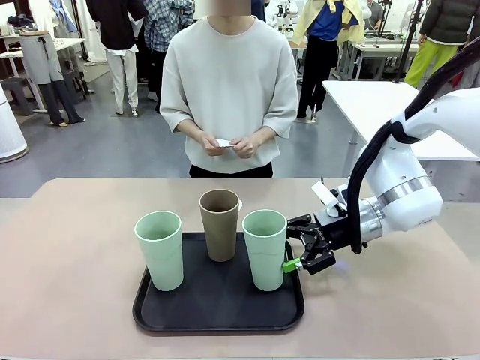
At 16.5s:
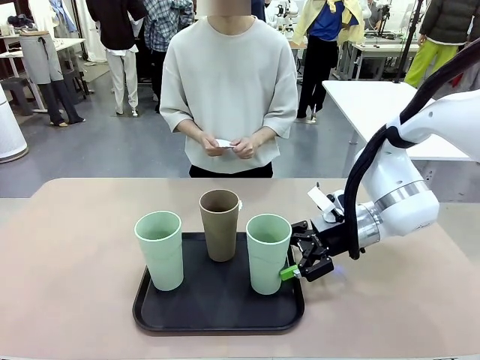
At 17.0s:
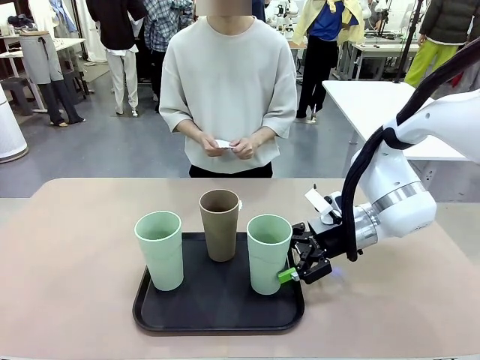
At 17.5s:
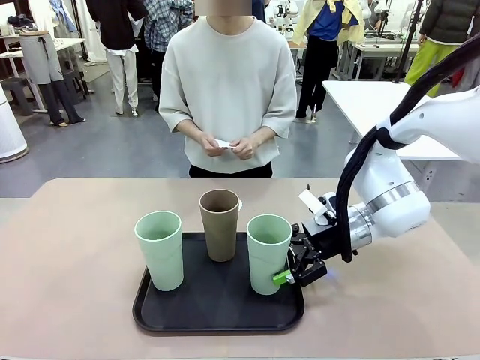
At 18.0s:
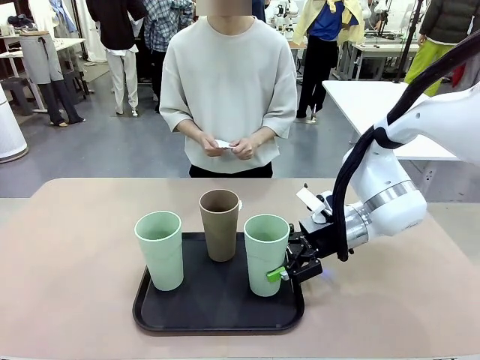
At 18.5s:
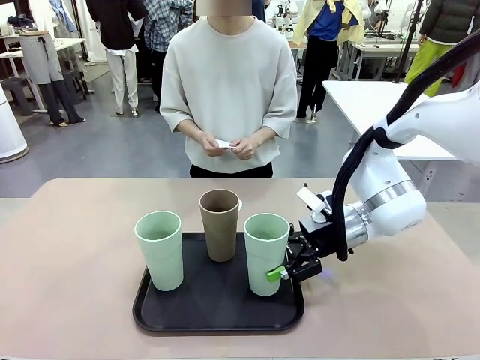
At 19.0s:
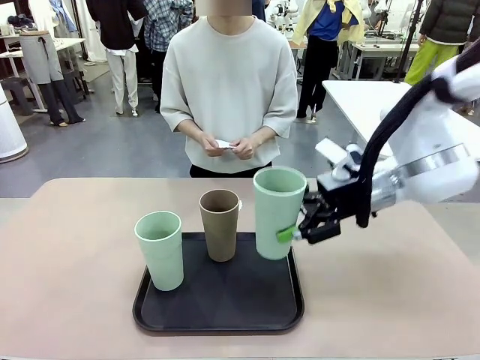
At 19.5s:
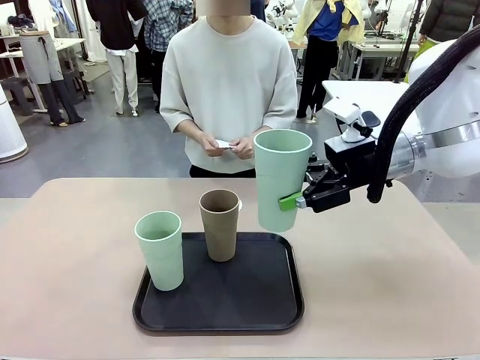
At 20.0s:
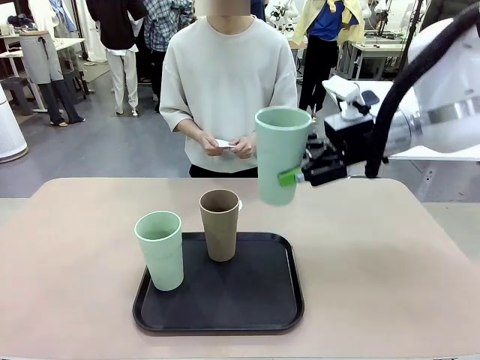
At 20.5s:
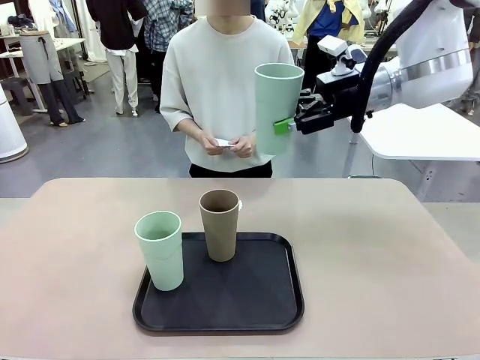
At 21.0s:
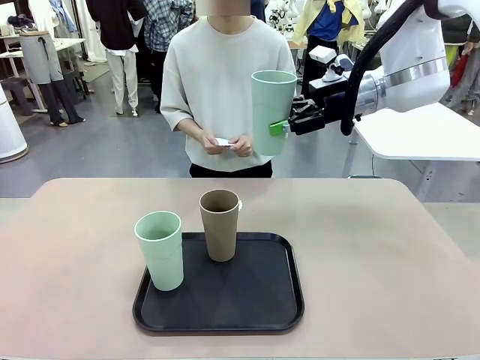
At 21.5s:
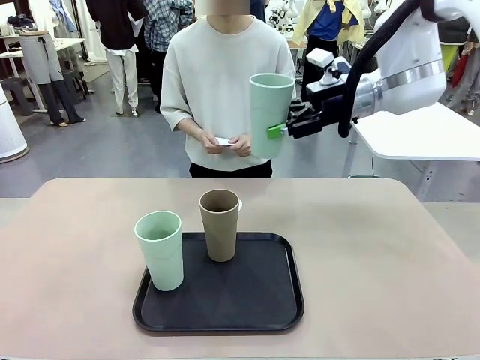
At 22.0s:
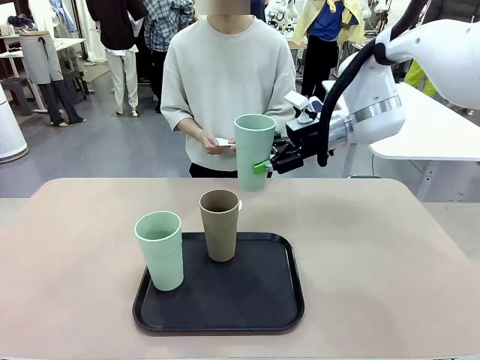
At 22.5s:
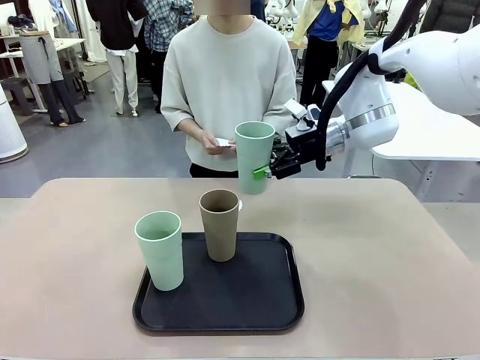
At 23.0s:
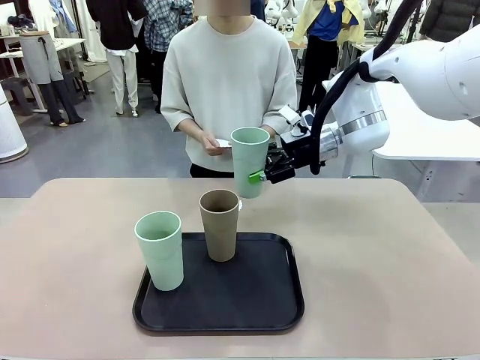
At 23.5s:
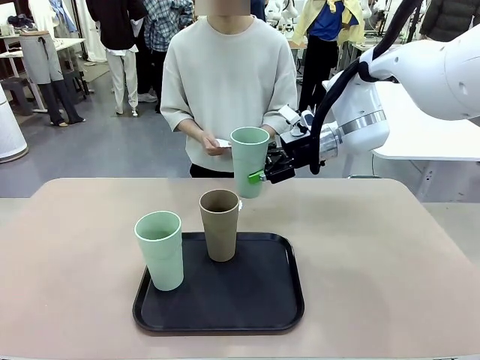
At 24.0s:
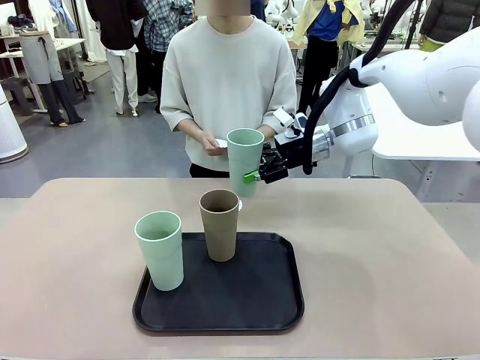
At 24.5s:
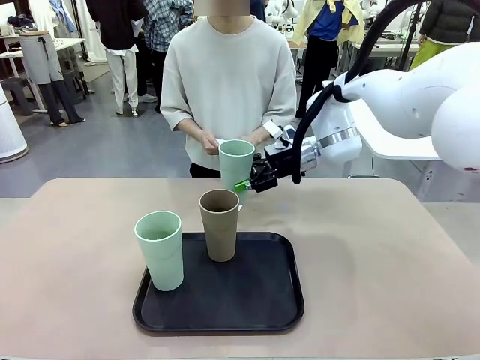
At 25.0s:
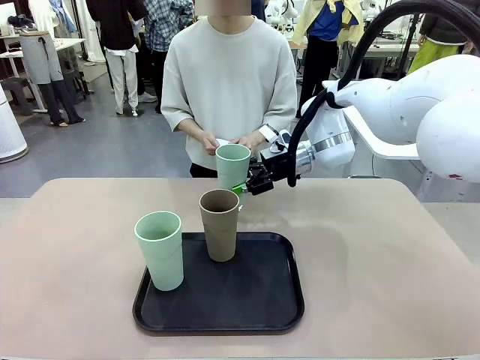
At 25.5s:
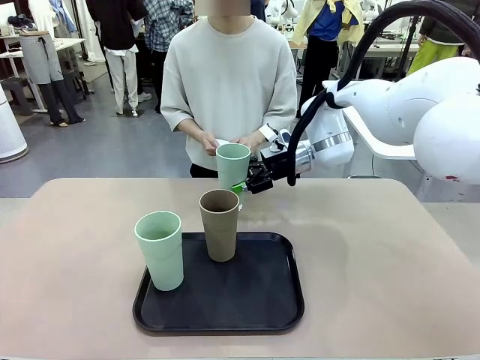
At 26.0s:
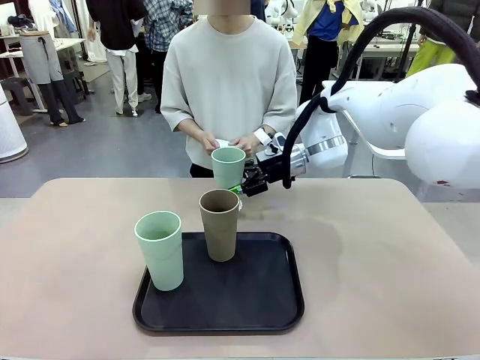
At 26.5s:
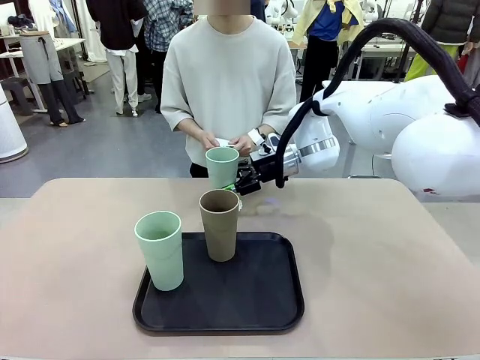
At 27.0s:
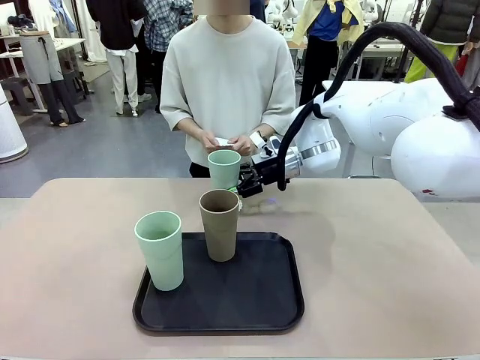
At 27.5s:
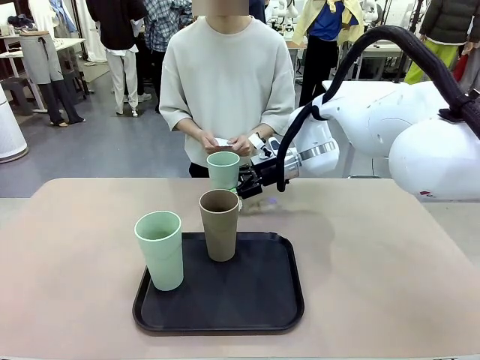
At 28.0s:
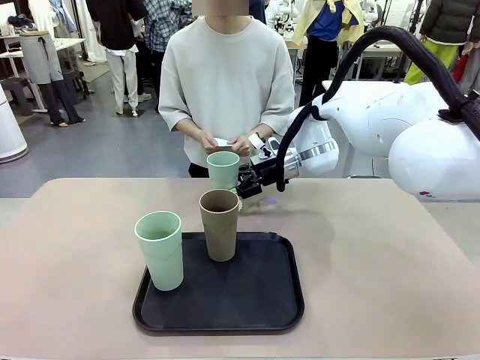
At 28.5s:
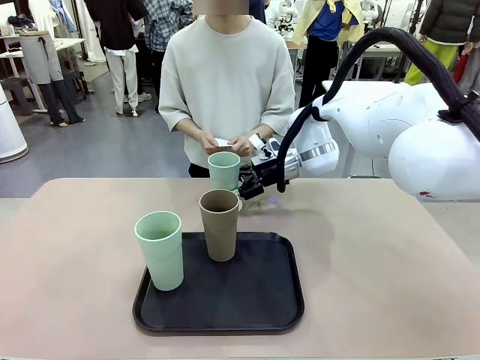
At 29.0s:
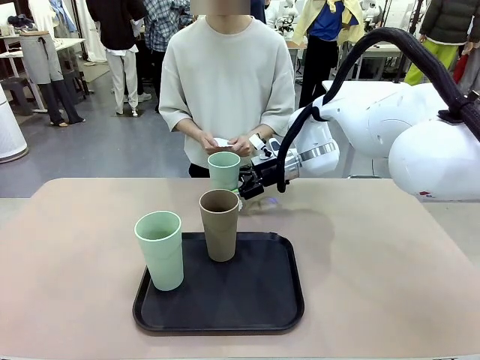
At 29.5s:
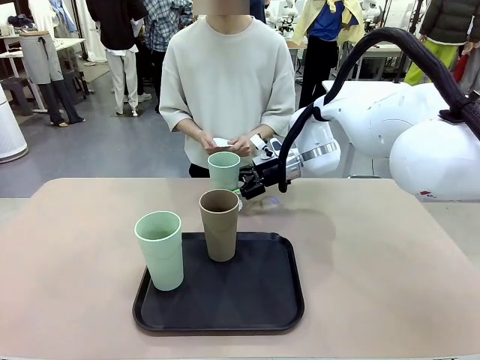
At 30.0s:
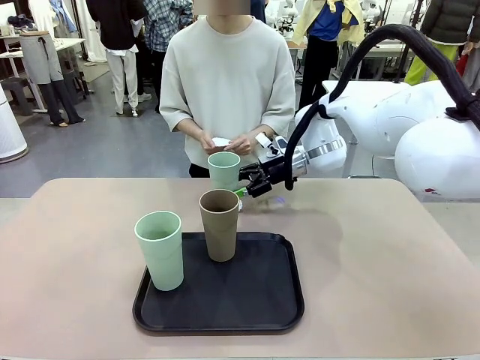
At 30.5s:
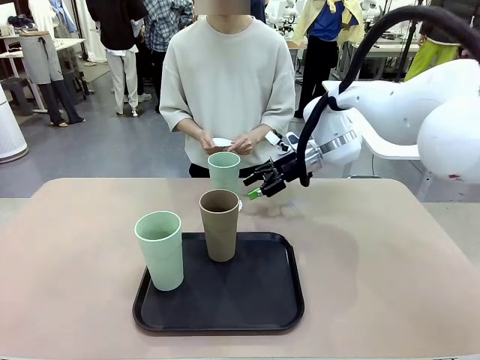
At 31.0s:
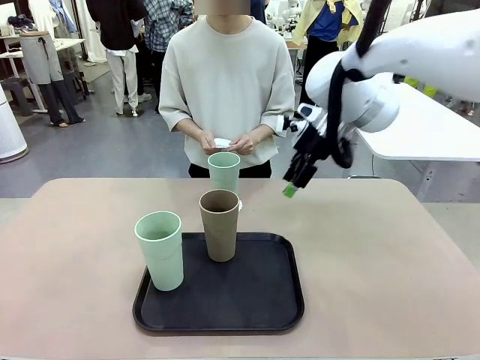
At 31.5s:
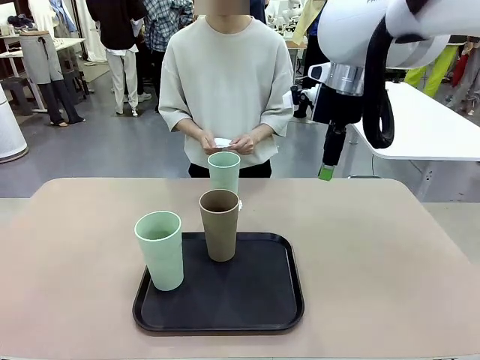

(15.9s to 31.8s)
Task: Place coasters on the table and set cups on them.
Robot: Pick up one Reusable plastic cup and place it on a coaster set by the human.
Person: Place one coaster in one of the two areas excluding the previously selected area.

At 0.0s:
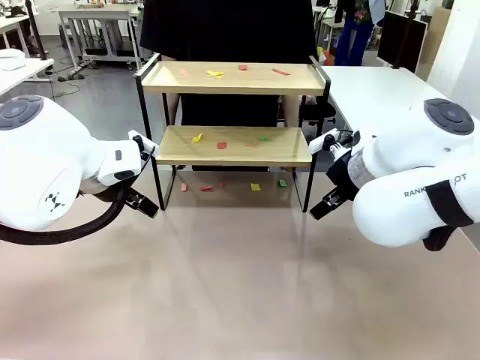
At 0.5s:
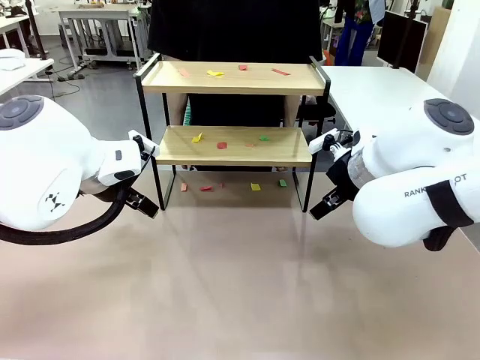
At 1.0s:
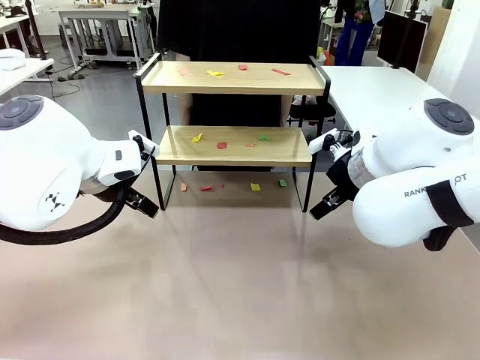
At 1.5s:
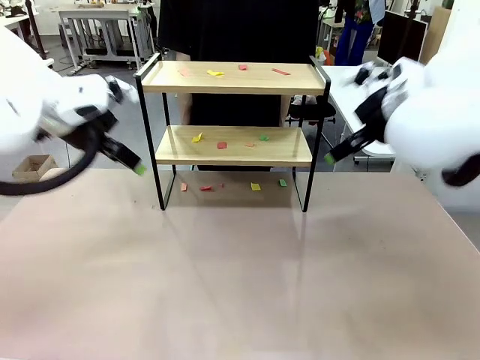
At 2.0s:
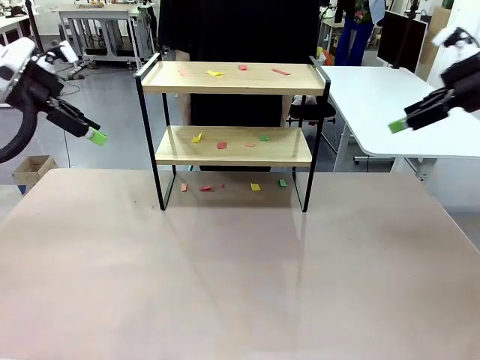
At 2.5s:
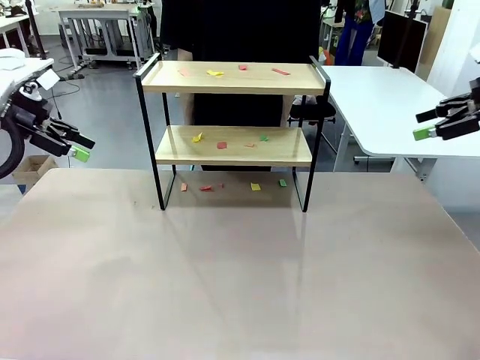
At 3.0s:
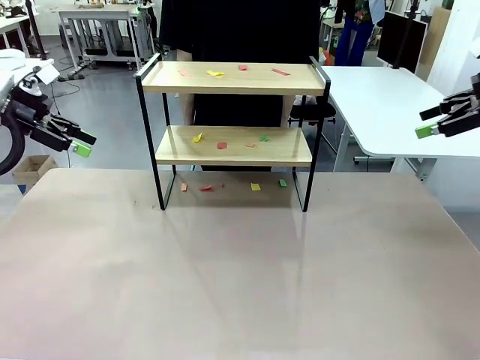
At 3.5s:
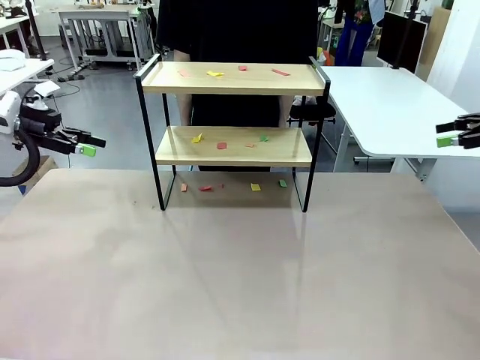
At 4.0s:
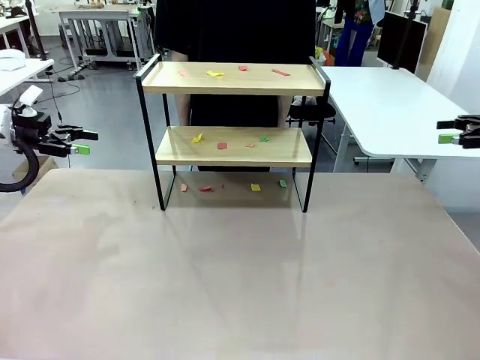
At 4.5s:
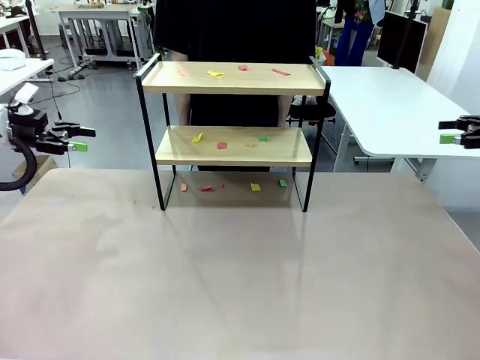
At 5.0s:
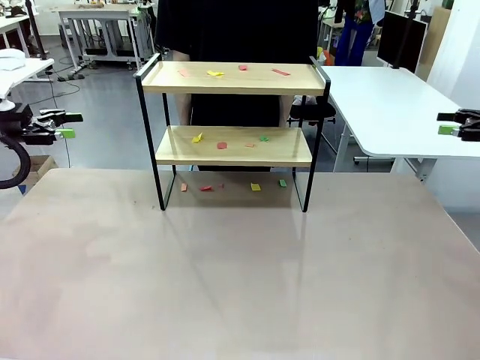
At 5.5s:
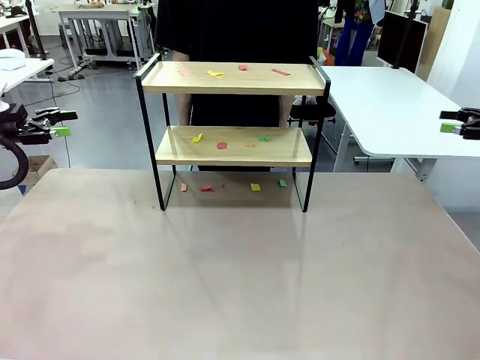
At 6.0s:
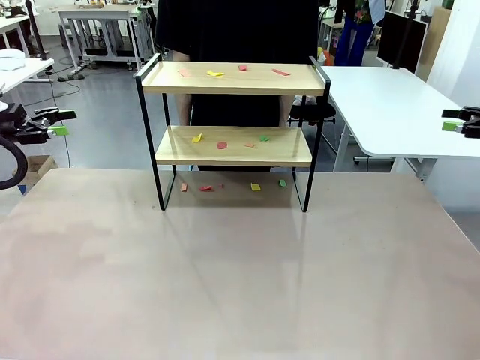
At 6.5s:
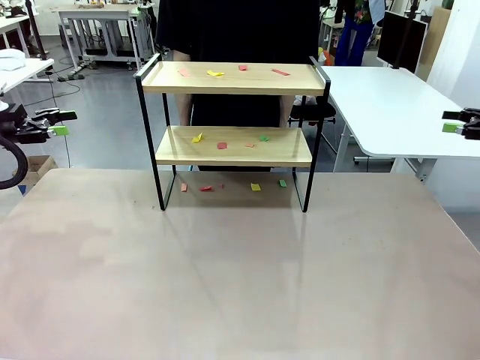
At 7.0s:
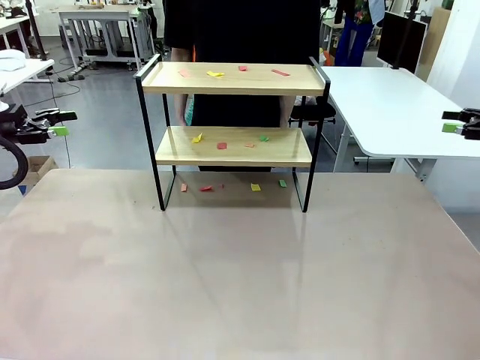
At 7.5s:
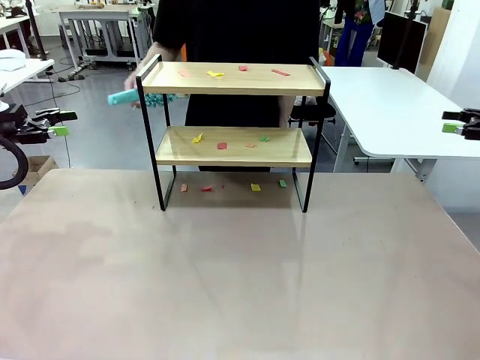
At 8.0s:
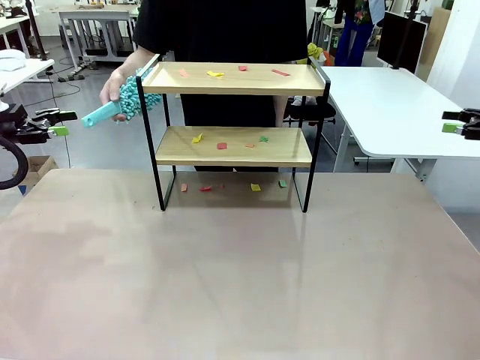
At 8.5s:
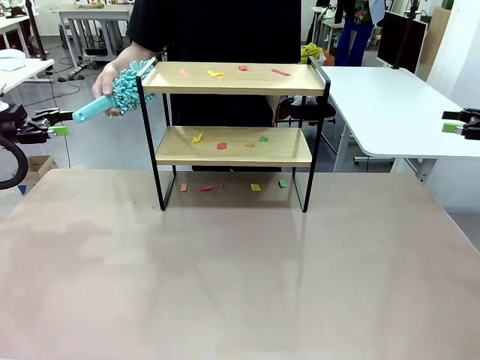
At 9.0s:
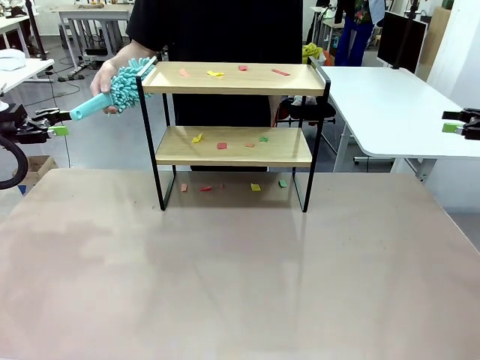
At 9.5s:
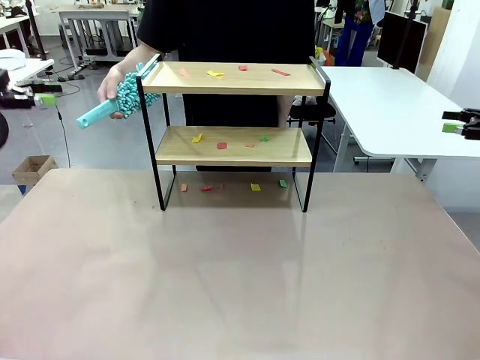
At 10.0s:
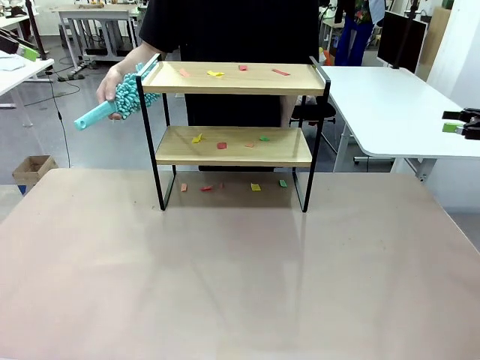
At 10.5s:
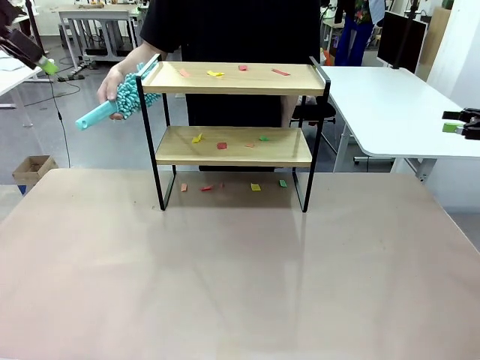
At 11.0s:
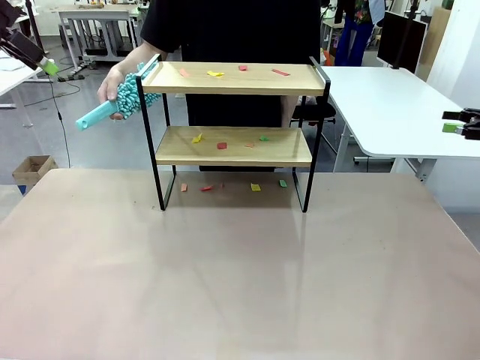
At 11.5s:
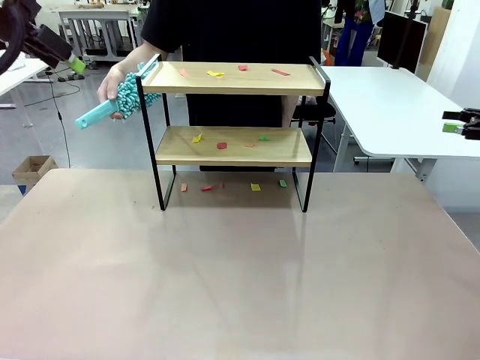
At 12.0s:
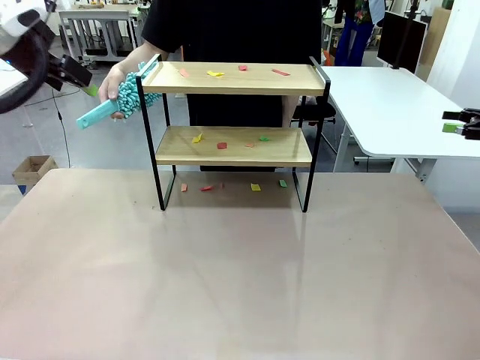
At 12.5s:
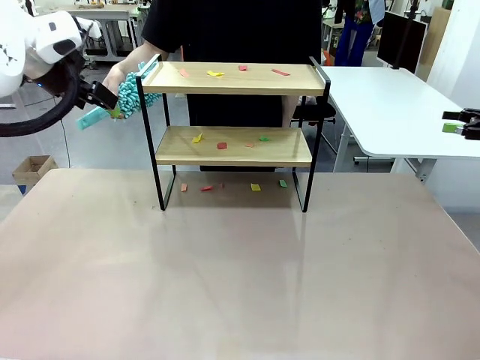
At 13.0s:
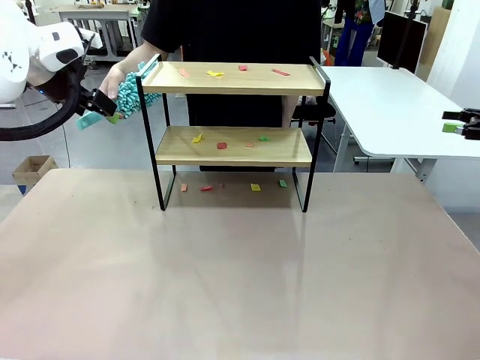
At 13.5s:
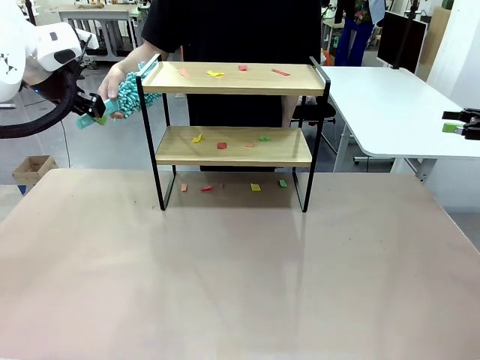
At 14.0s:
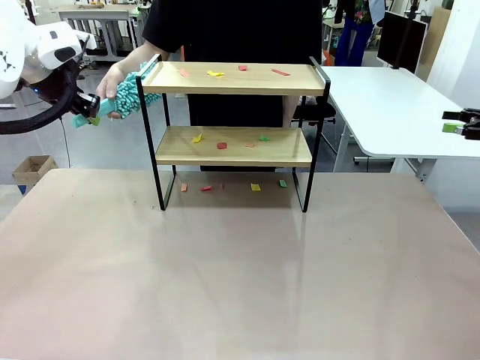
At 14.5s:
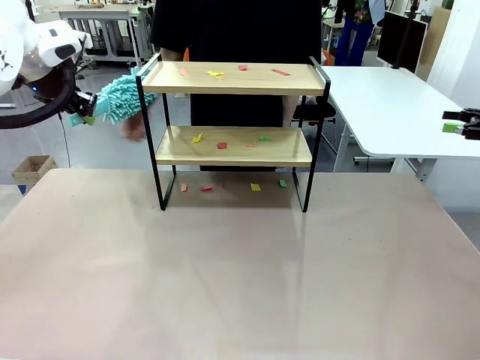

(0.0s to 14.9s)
Task: Clean the shelf.
Robot: Pick up the Duster handed by the human.
Person: Hand the Duster to the robot.
